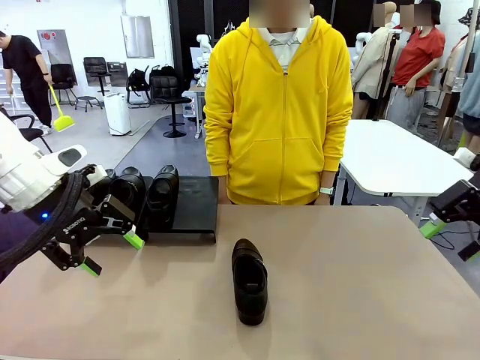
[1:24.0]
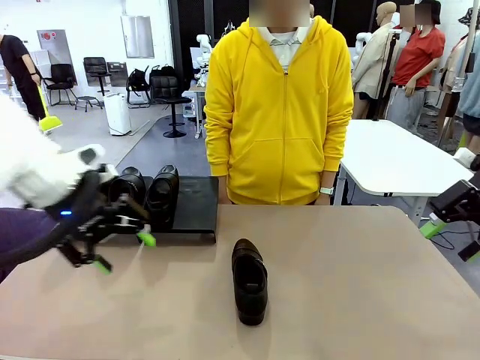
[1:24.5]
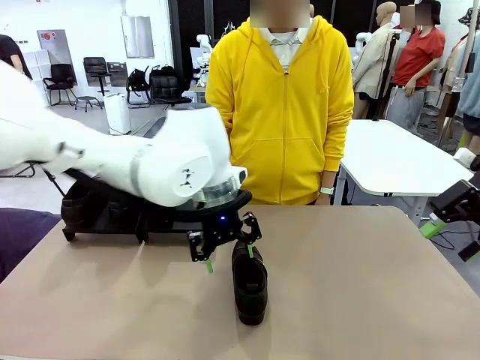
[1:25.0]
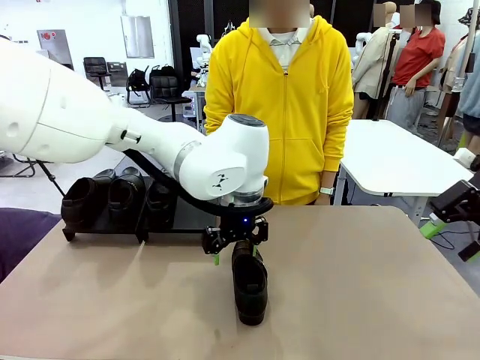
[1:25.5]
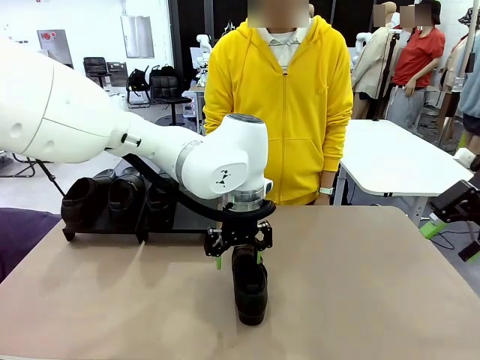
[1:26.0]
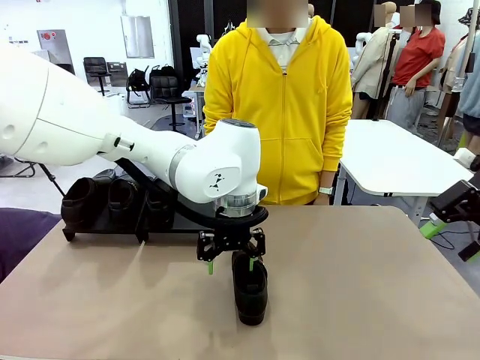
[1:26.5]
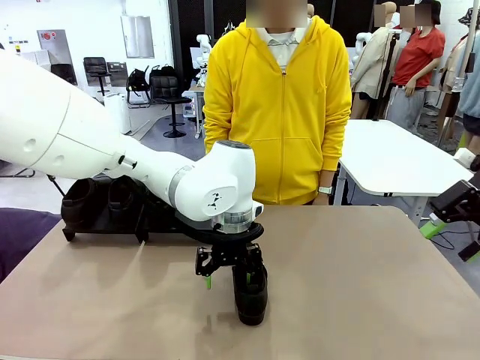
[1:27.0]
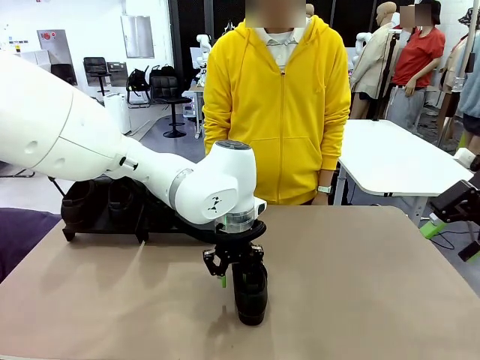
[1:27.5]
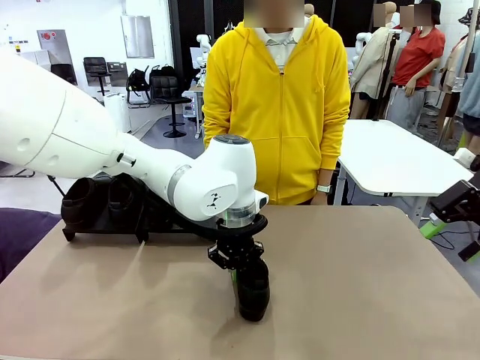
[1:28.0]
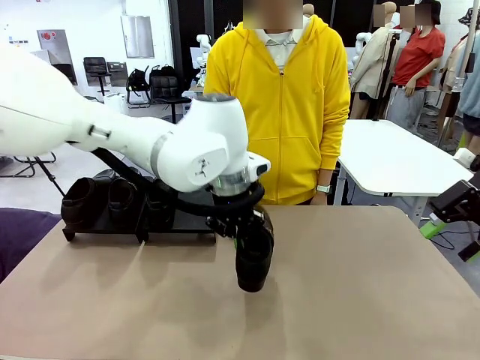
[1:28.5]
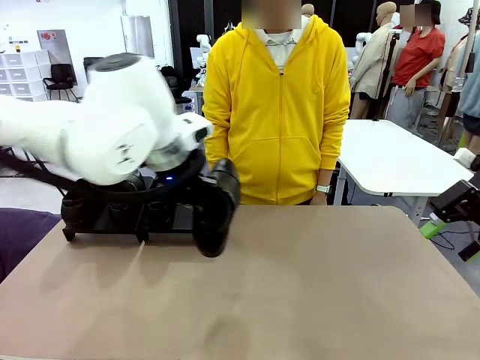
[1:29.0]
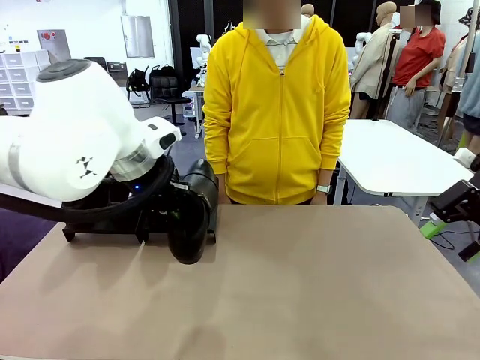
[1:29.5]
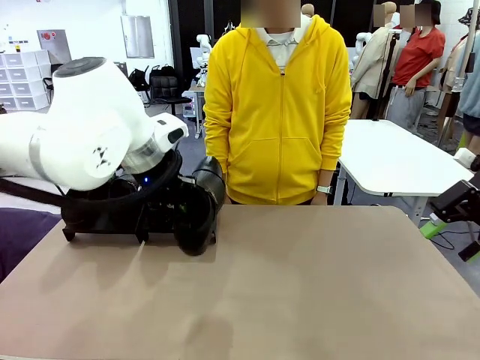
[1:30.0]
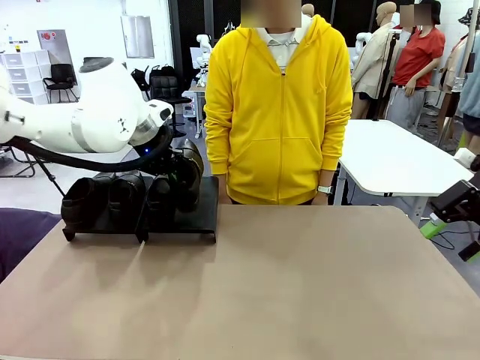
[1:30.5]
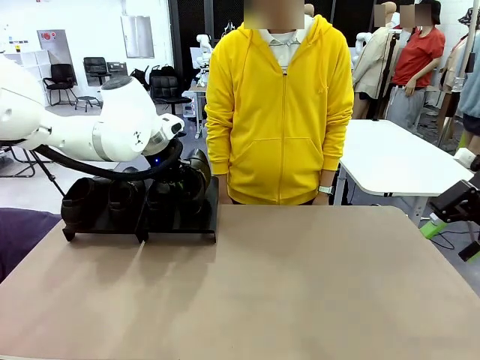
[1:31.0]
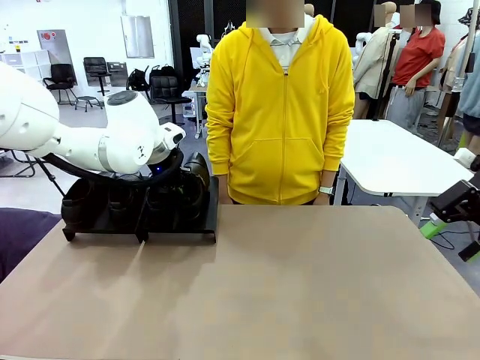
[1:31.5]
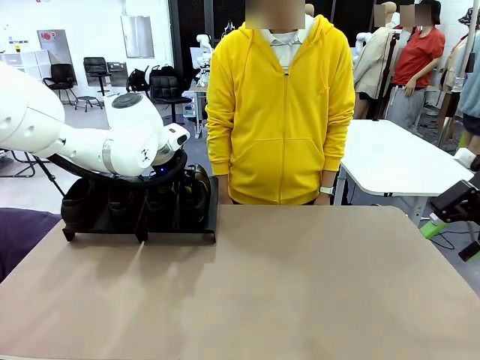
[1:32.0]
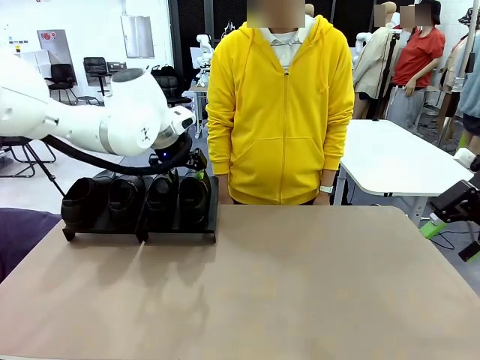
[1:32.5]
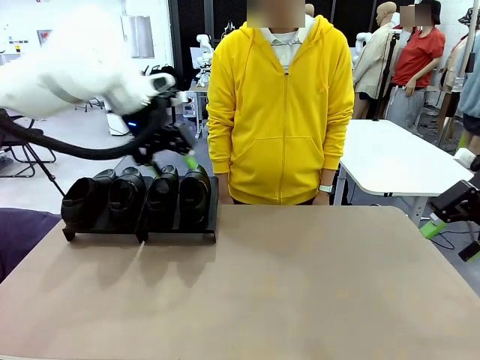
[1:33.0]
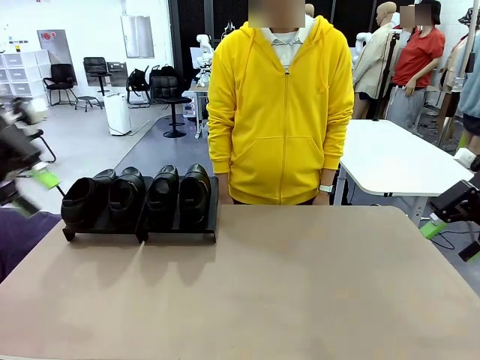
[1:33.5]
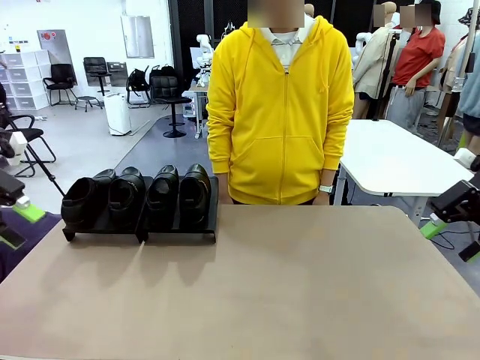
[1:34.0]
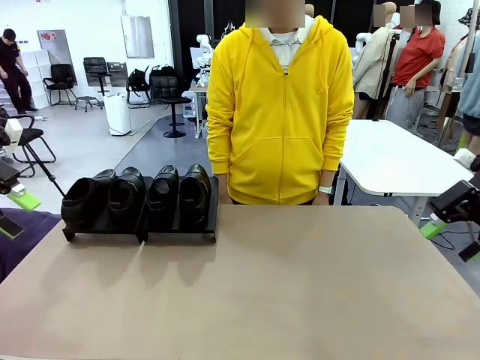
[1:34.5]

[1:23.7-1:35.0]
Task: Organize the shoes by placing them on the stand.
Robot: Place the Shoe from the middle of the table onto the Shoes Stand.

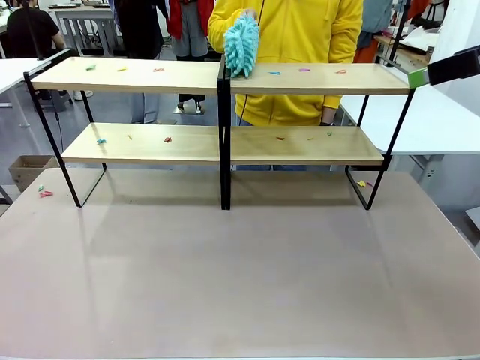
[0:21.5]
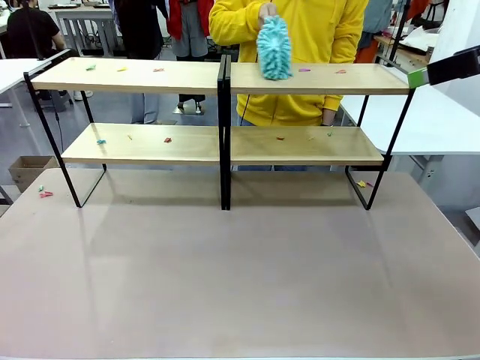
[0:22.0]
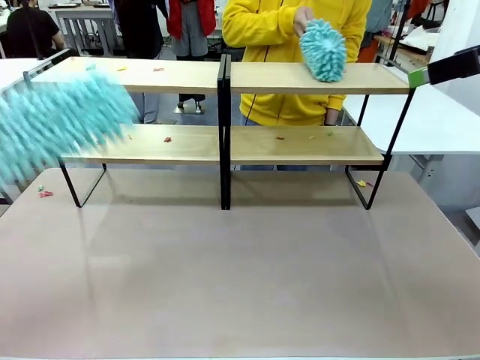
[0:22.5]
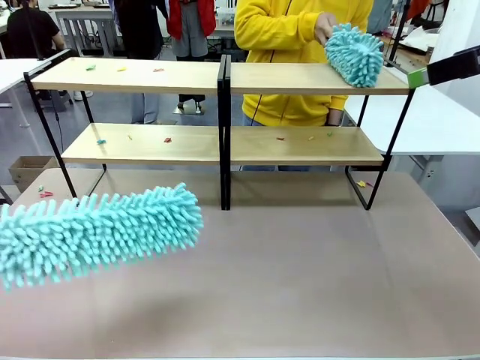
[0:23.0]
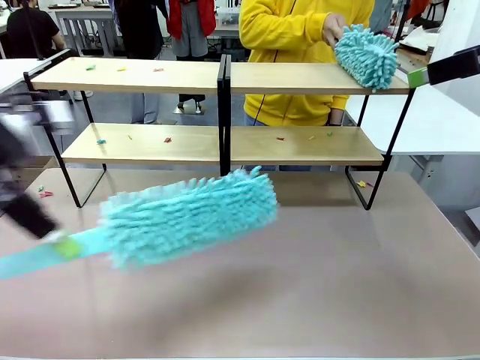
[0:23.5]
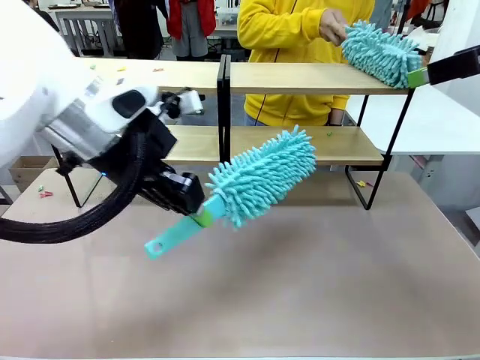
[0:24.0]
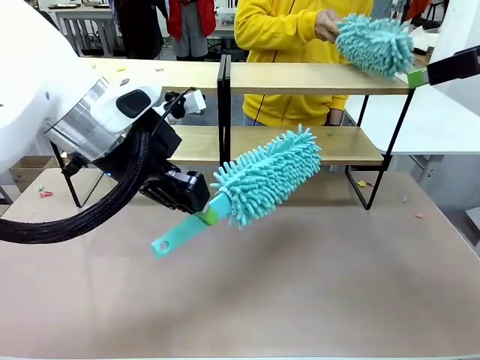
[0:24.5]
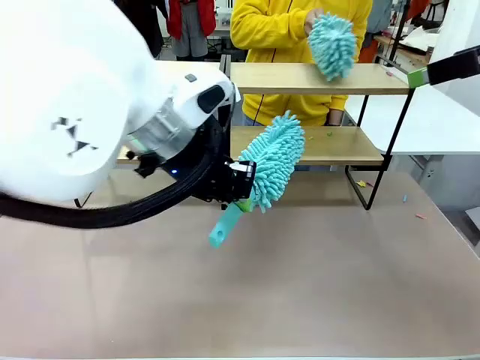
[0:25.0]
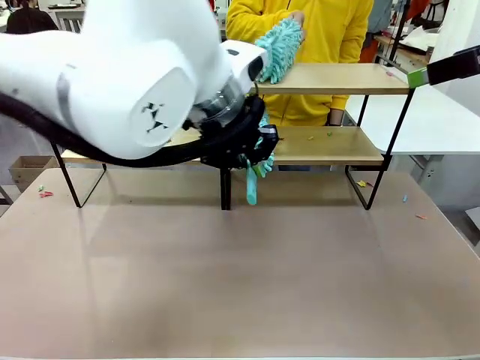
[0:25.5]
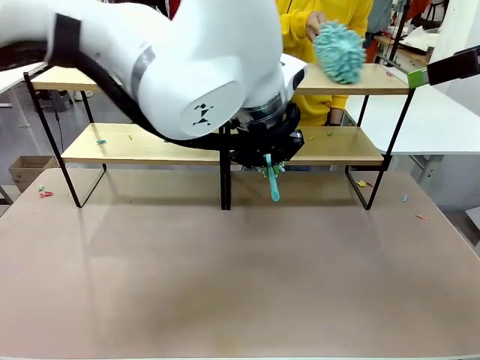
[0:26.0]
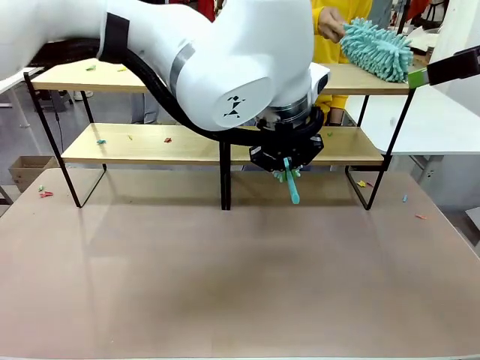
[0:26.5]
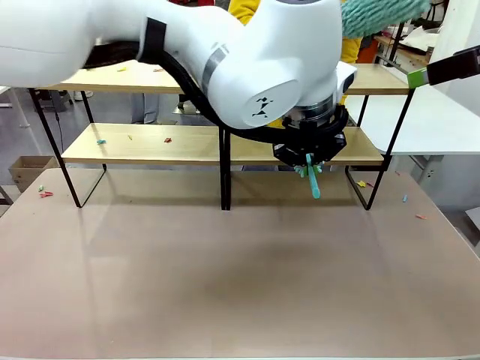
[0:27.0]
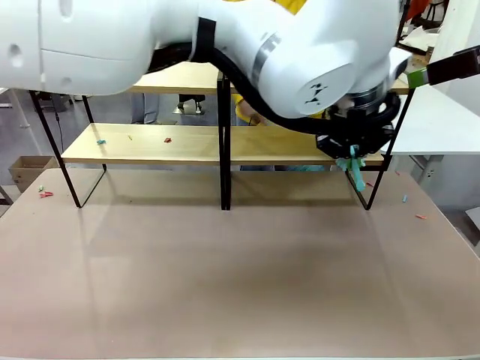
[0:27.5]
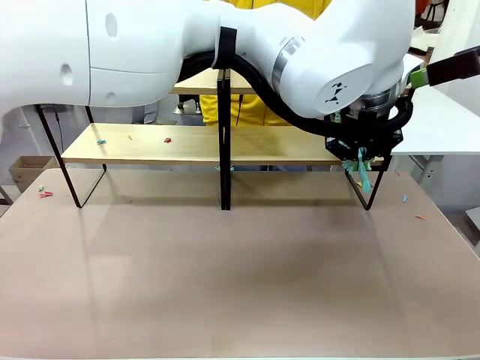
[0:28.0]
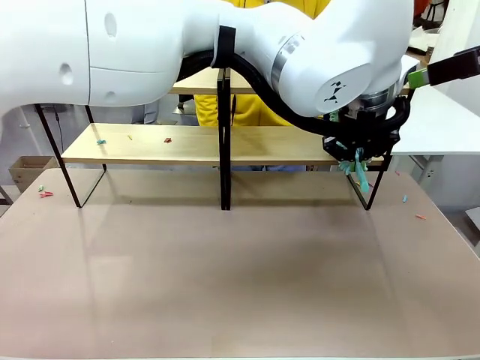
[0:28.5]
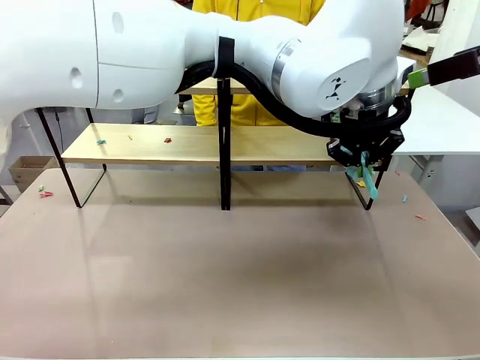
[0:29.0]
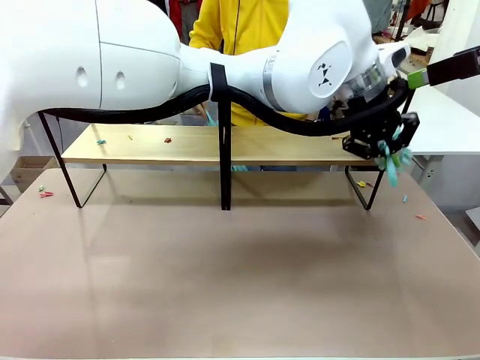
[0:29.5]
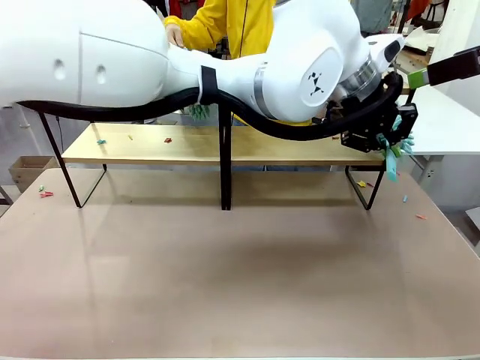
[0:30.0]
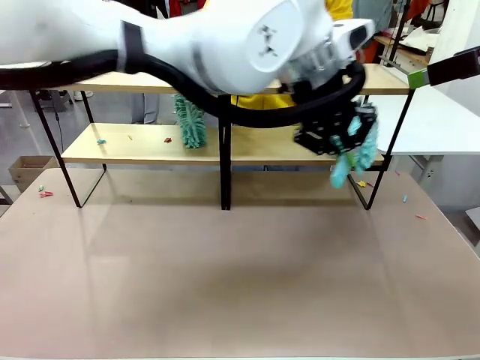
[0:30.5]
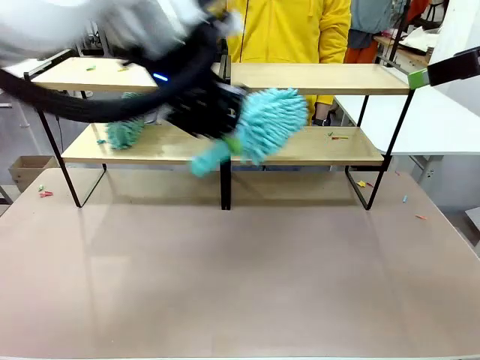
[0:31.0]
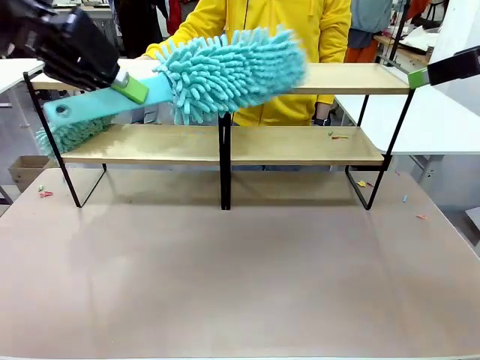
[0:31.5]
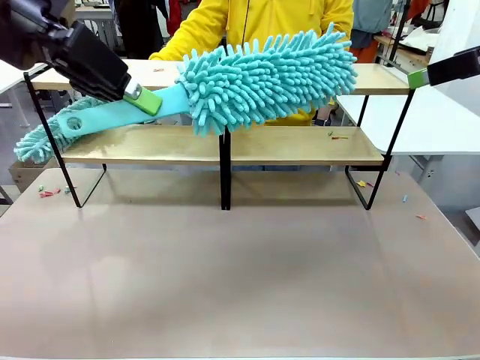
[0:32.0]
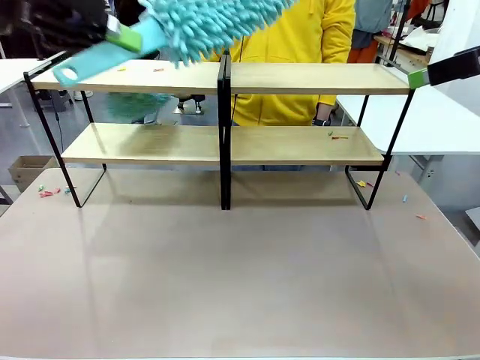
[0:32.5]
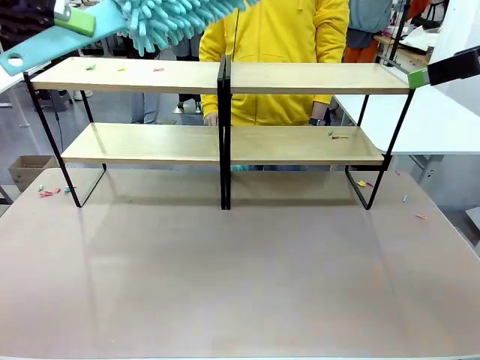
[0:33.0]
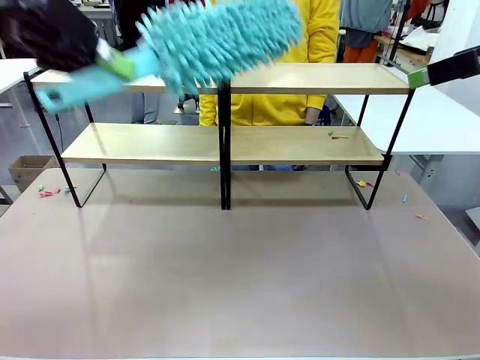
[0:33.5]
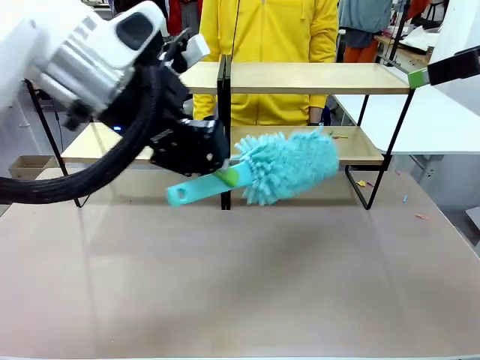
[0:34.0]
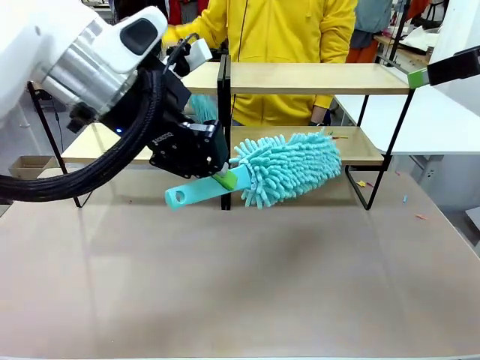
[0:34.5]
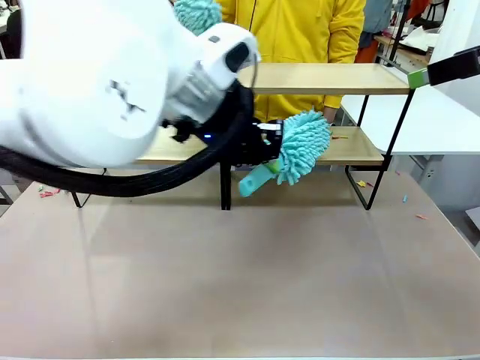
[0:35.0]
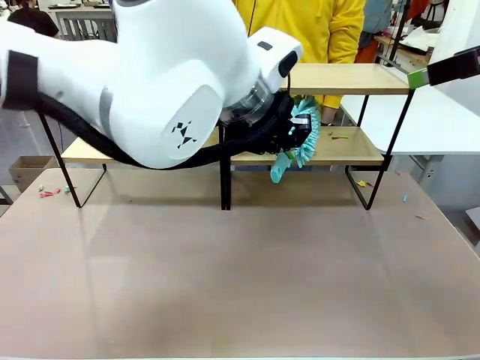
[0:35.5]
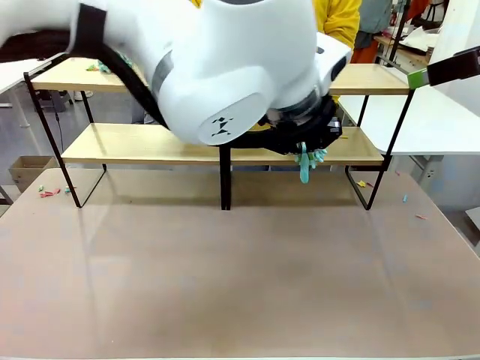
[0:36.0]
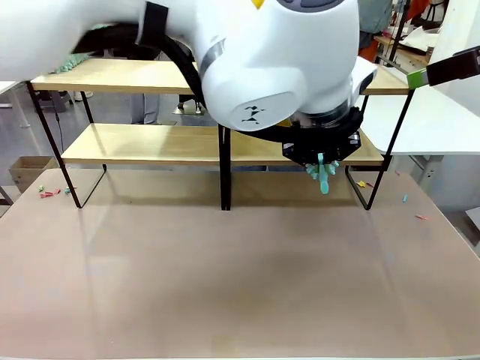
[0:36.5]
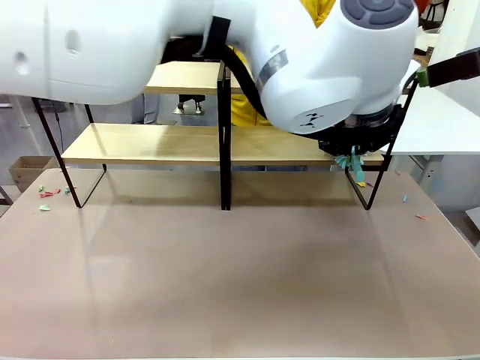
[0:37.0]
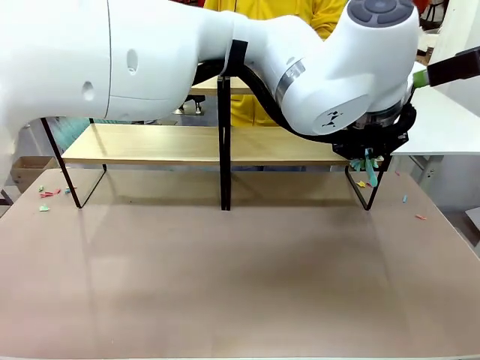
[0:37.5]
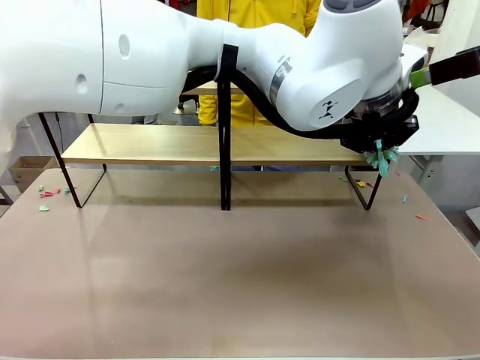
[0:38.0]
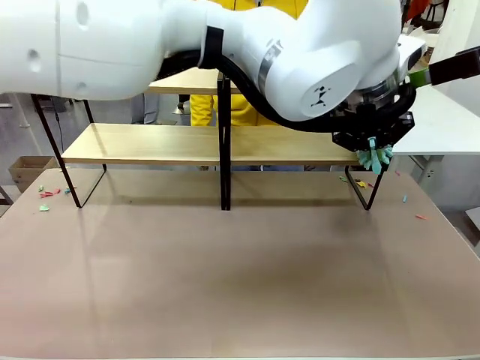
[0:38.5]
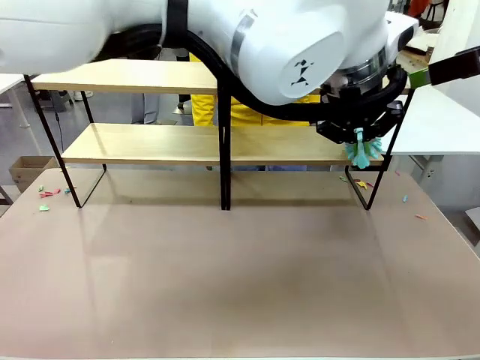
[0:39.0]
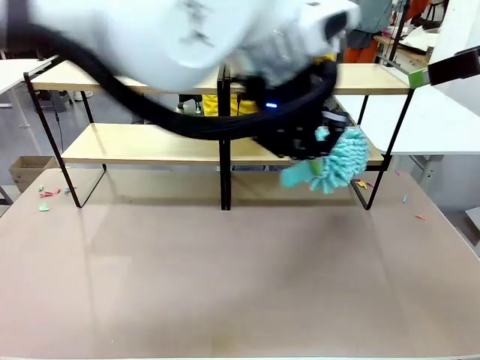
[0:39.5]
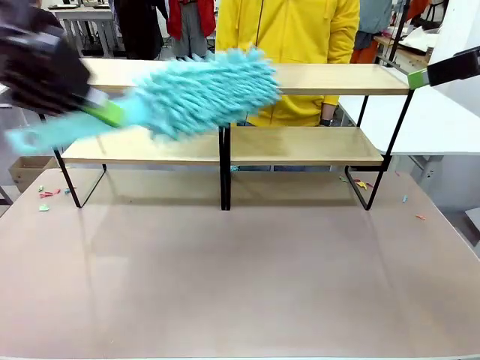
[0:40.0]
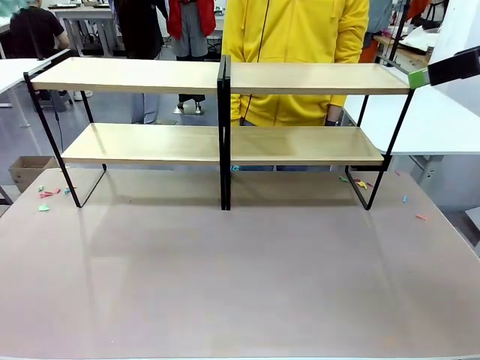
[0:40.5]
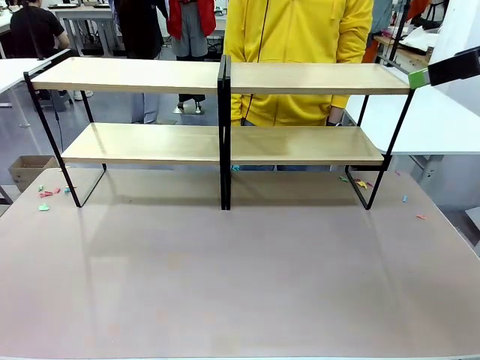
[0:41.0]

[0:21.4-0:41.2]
Task: Clean the shelves.
Robot: Clean another randomly selected level of the Shelf with the Duster.
Person: Clean a randomly selected level of the Shelf with the Duster.
